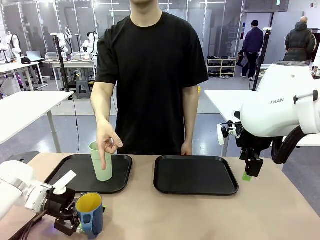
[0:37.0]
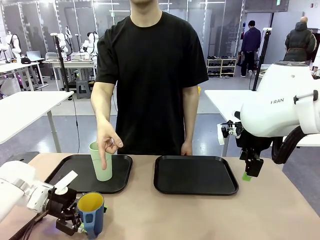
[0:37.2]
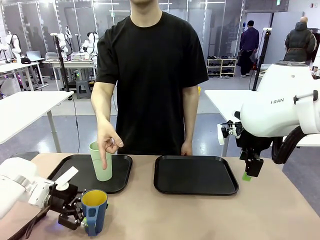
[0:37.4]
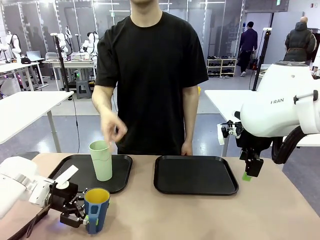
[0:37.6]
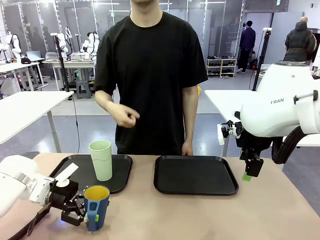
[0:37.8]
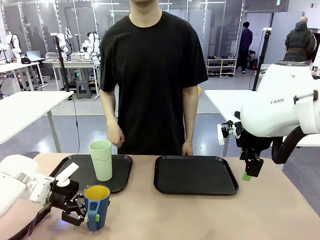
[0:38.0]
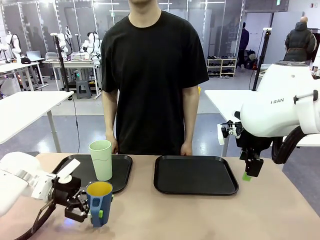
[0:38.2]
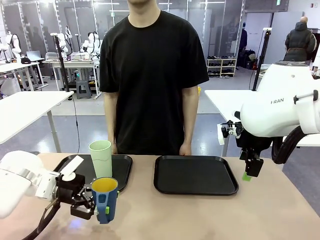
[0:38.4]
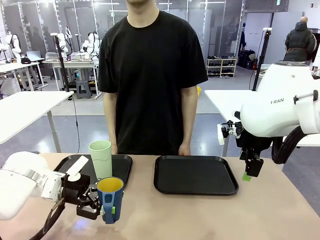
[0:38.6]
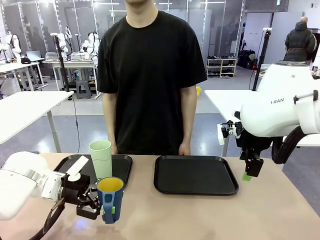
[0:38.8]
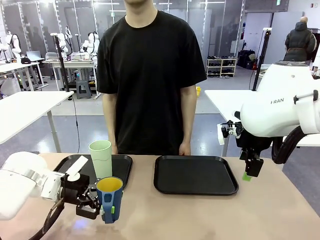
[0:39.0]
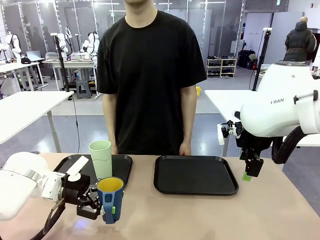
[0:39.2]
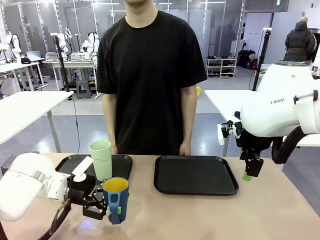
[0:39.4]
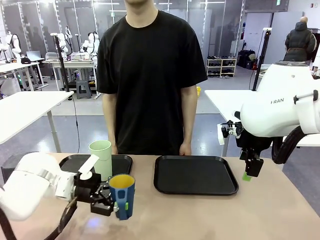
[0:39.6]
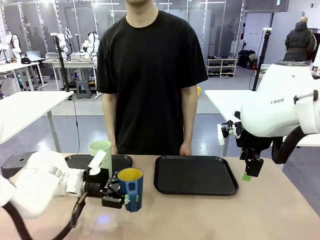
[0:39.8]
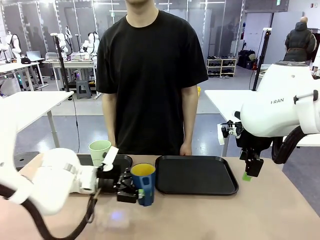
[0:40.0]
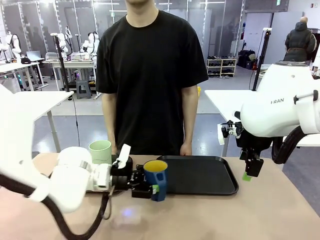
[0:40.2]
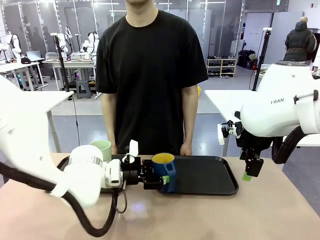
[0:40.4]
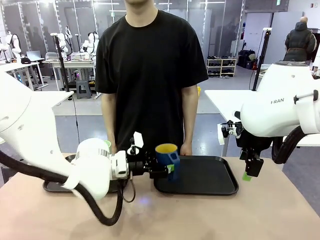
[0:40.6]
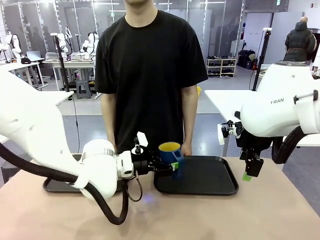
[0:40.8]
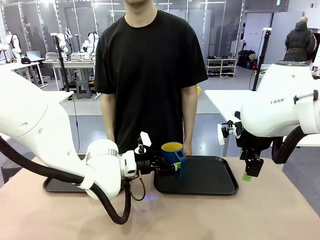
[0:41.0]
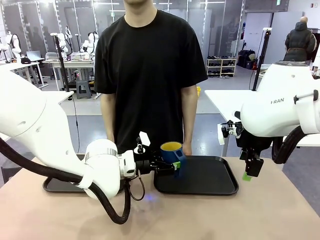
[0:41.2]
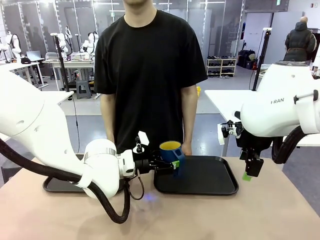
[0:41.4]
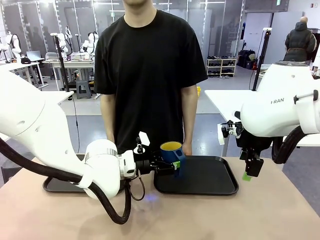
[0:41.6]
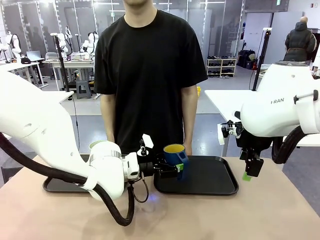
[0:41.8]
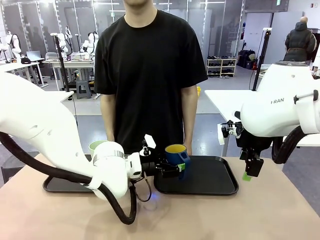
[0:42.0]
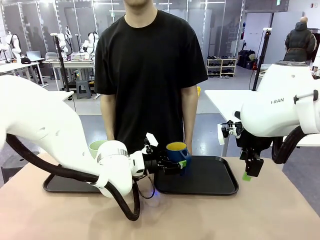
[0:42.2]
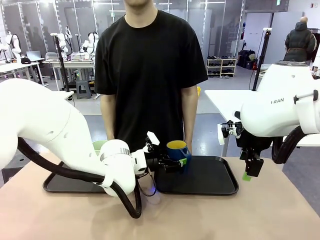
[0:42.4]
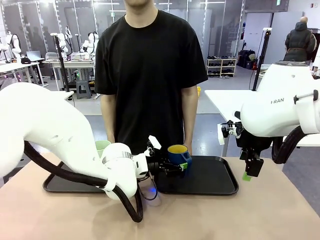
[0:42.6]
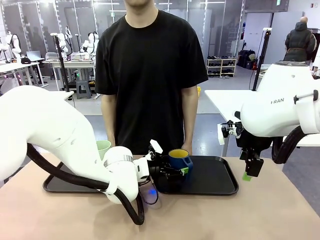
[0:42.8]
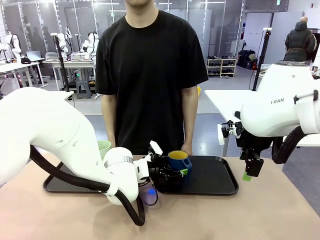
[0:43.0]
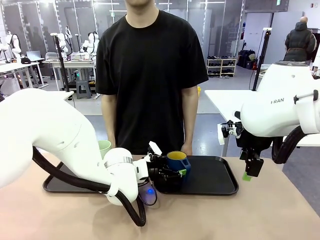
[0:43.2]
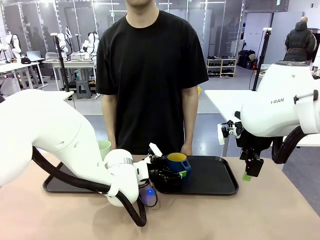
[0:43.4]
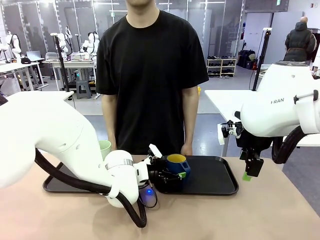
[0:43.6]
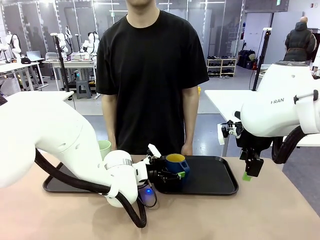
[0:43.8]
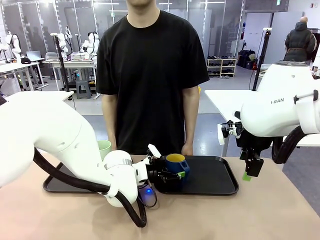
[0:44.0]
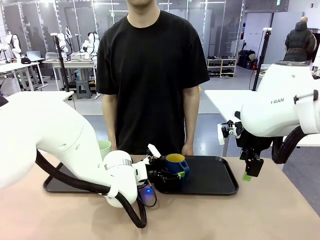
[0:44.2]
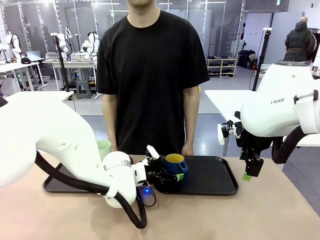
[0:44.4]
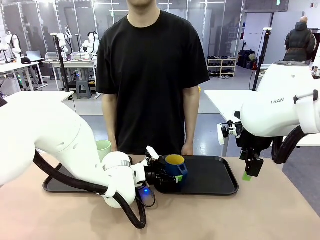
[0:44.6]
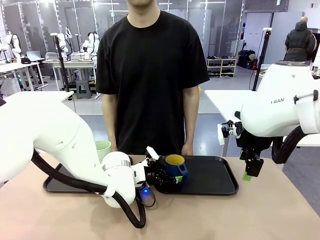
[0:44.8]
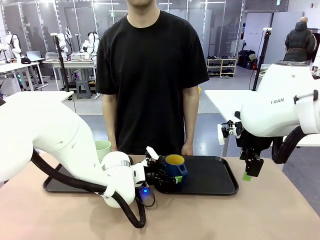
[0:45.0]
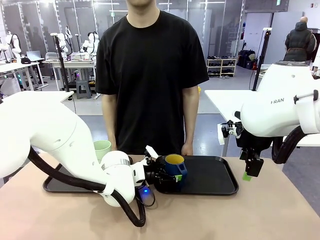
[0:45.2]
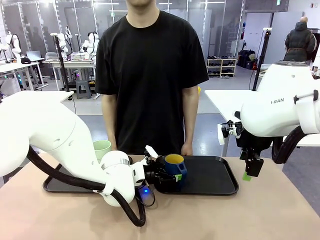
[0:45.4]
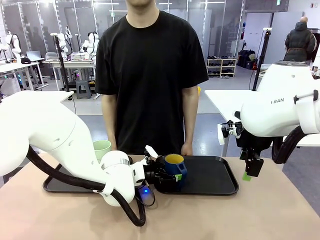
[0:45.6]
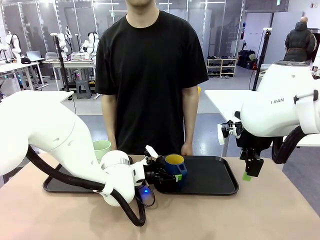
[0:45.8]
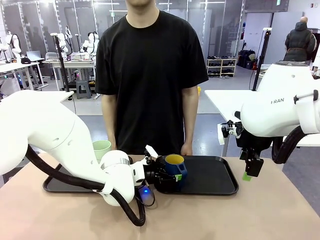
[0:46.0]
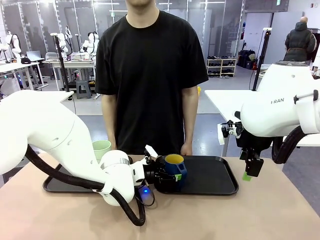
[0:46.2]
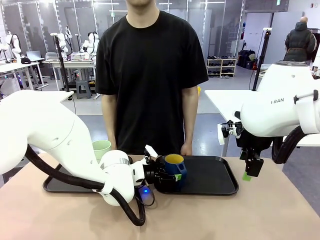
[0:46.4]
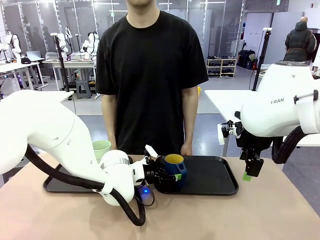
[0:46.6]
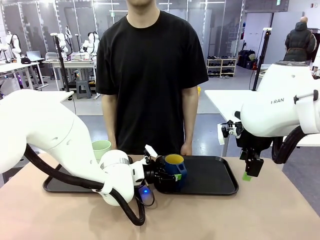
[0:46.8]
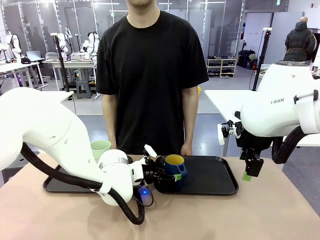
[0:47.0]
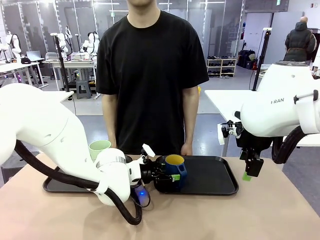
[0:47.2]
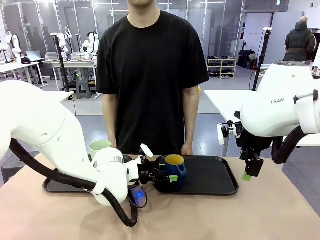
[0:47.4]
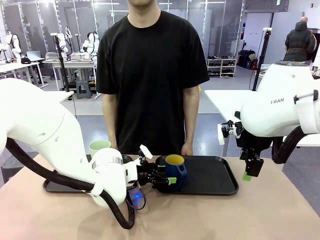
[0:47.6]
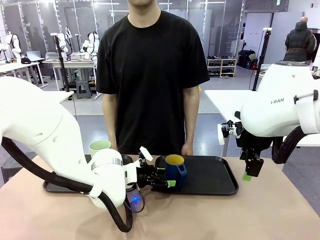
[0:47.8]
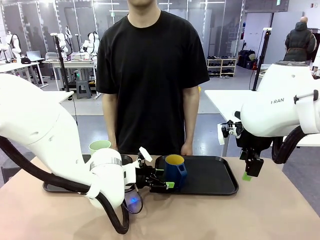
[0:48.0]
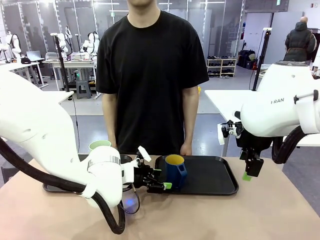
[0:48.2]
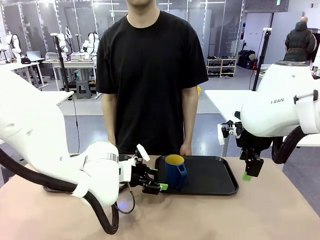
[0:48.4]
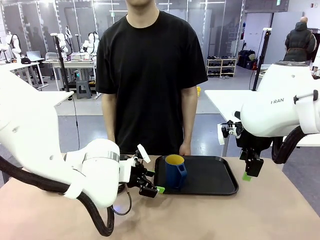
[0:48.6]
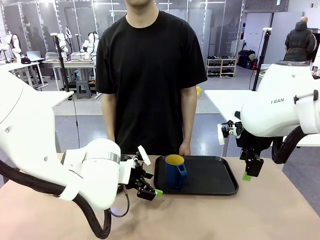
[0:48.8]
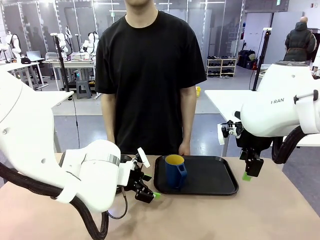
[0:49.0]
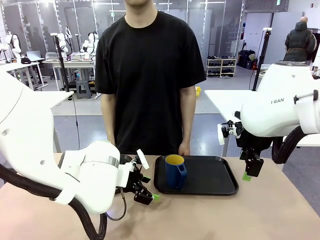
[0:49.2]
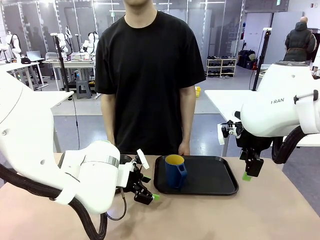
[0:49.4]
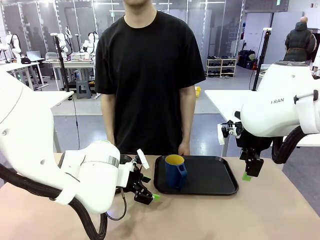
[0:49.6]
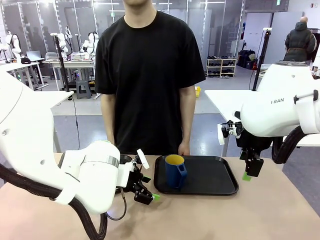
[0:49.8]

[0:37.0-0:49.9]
Task: Sort and store the cups by type.
Robot: Pick up the Handle plastic cup and place it into the empty Flat Tray.
